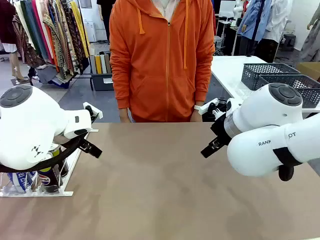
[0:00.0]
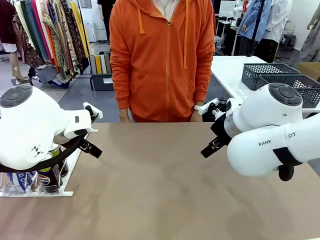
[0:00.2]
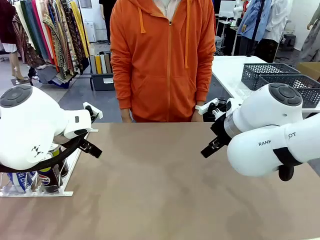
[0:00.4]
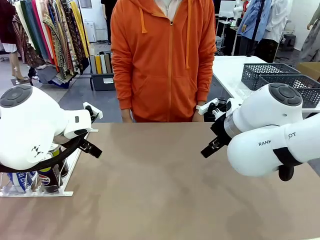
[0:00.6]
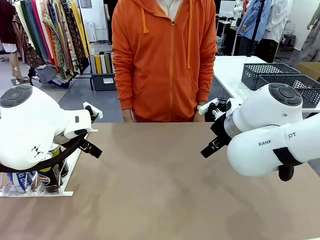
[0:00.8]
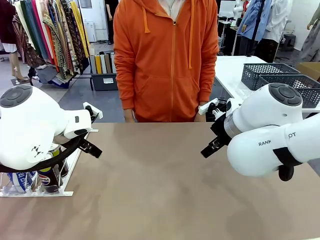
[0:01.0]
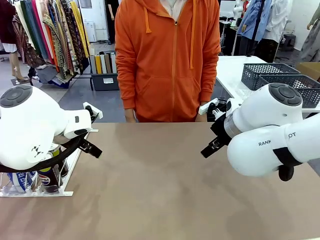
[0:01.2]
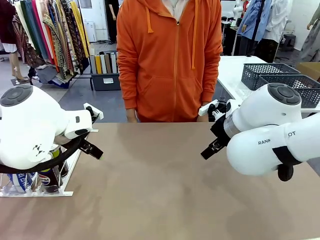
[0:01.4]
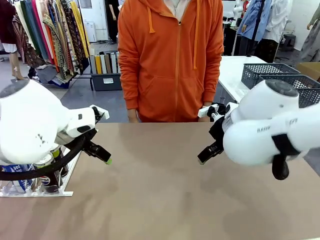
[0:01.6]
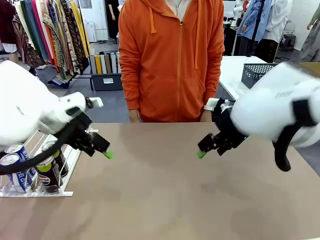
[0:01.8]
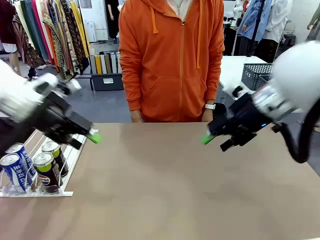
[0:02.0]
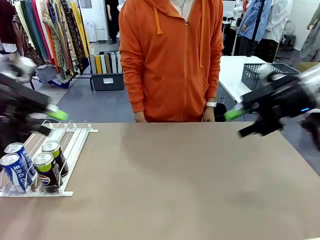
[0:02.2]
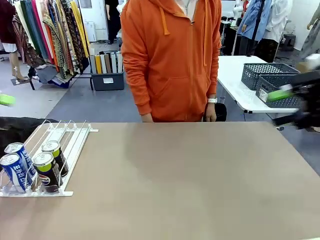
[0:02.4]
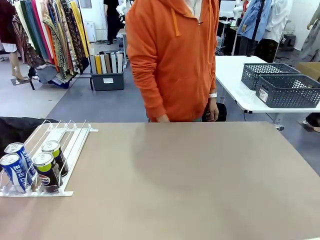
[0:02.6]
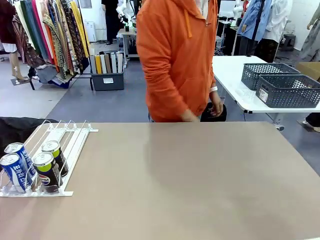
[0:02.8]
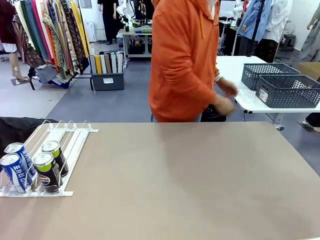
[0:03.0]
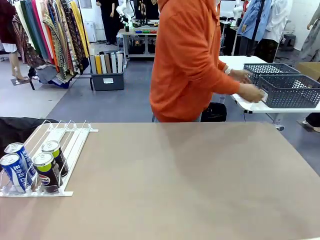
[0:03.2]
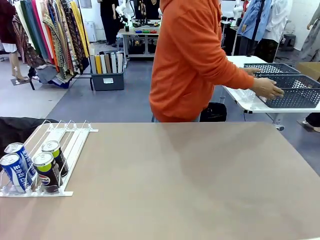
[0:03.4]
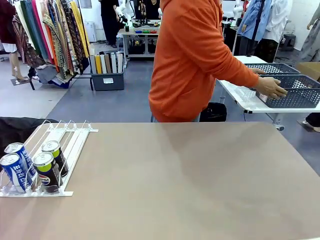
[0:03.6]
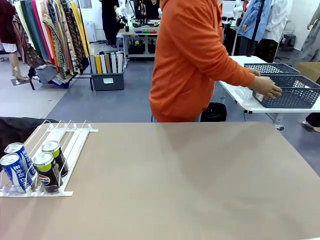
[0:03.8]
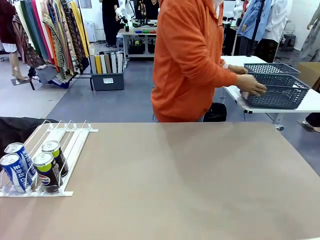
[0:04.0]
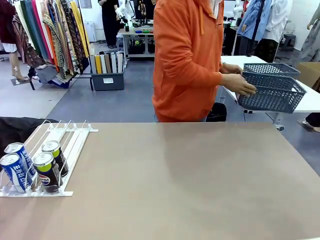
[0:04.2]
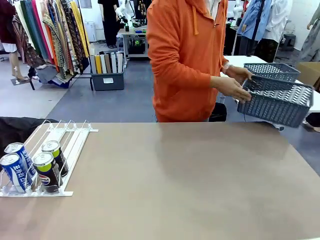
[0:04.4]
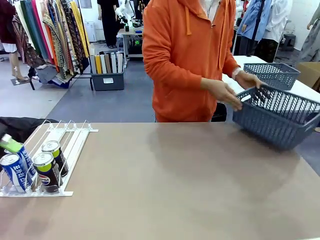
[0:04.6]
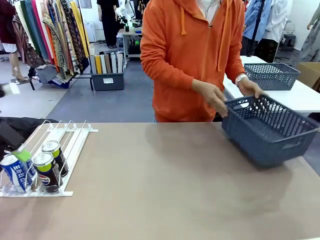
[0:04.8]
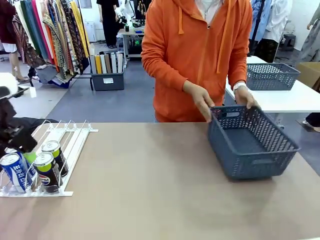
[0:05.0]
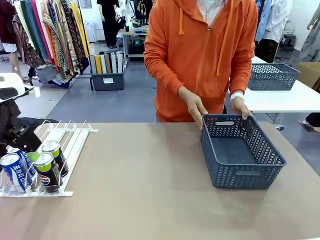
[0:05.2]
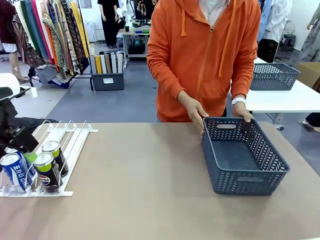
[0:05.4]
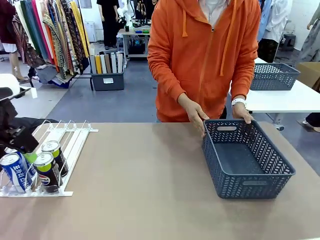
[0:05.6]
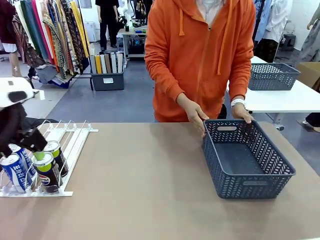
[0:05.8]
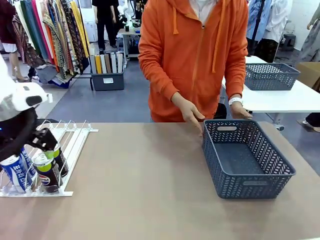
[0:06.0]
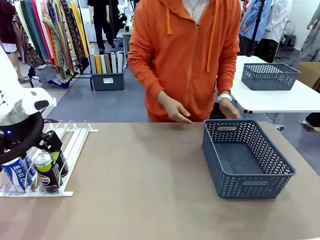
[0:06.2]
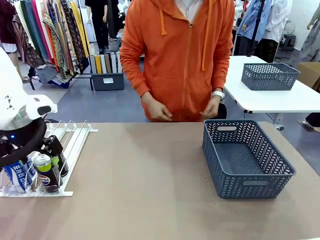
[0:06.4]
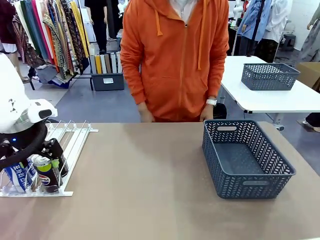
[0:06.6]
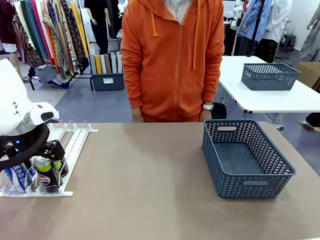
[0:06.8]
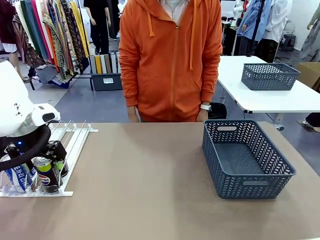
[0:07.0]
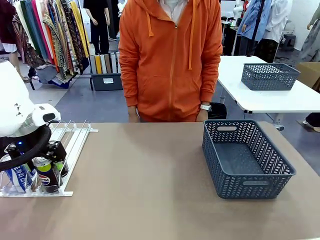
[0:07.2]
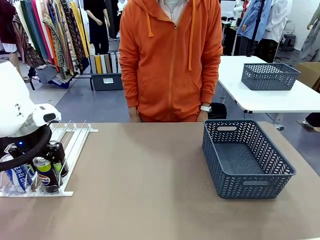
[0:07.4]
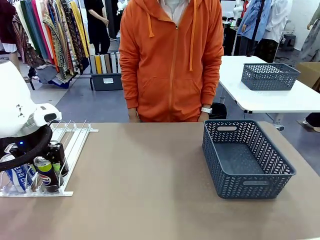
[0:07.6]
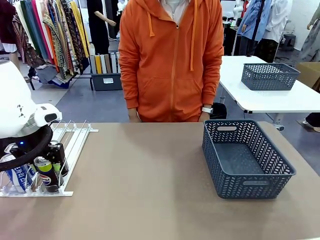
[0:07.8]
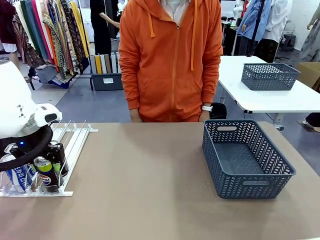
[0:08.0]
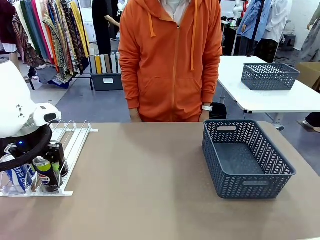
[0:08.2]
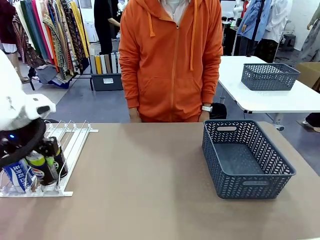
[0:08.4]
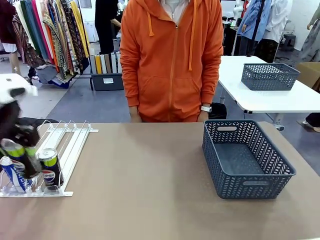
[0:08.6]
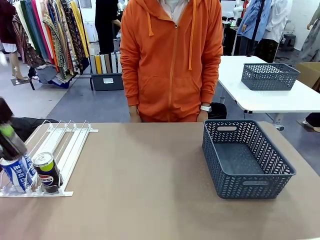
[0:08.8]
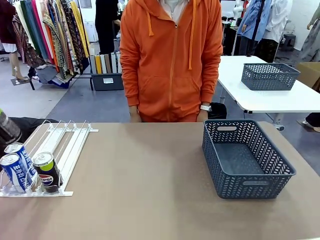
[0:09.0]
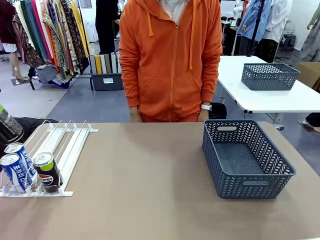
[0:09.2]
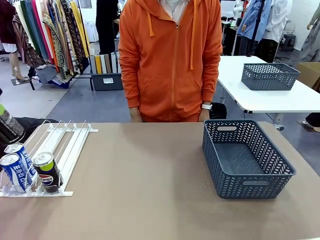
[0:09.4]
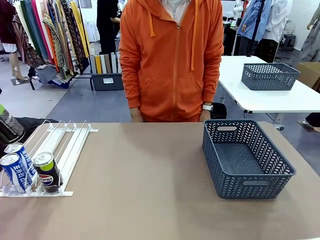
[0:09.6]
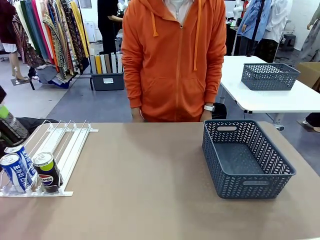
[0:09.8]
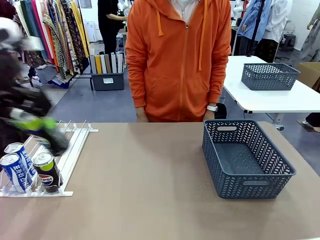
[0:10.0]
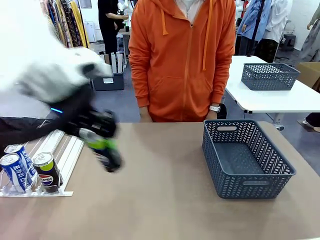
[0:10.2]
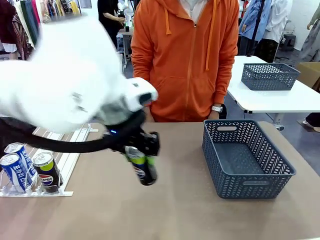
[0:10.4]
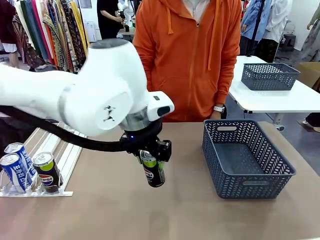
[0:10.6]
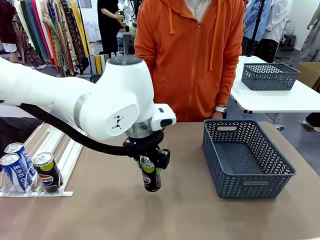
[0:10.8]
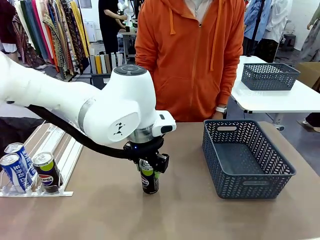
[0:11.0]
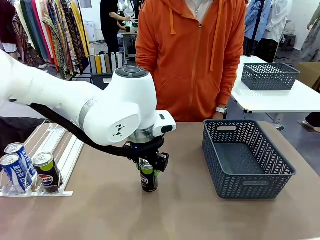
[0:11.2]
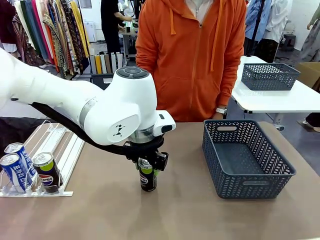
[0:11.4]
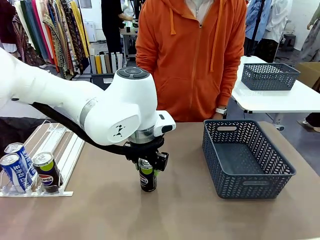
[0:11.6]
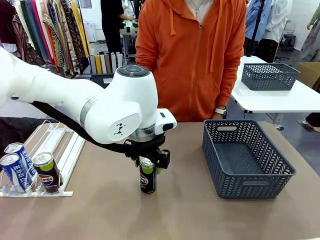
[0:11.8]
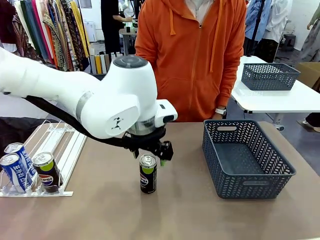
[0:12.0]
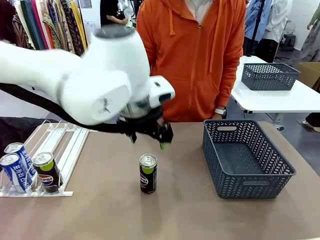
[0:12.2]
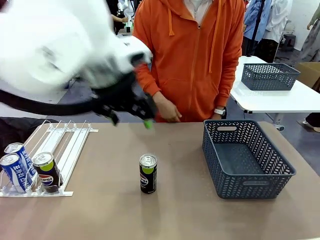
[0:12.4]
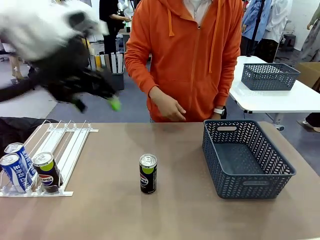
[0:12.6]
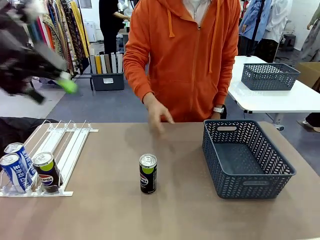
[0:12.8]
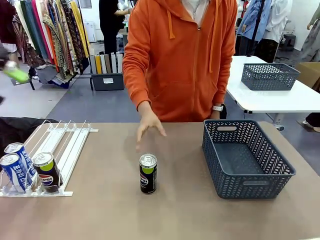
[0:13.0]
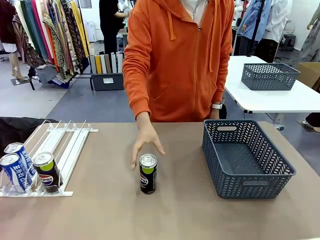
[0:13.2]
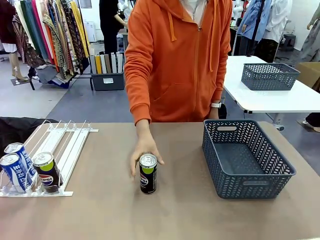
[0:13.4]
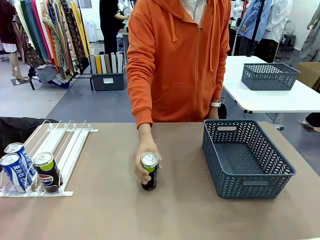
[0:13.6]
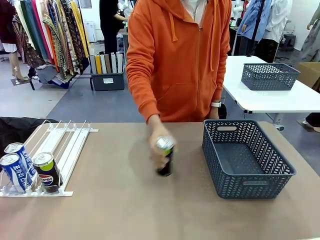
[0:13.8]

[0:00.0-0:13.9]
Task: Retrieve and store the cans from the dispenser.
Robot: Pick up one can from the Automatic Can Dispenser and place it in the middle of the table.
Person: Pick up the basket and place it on the left side of the robot table.

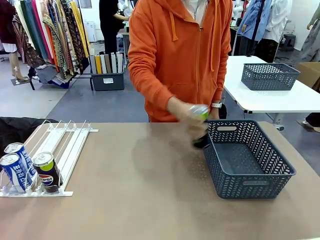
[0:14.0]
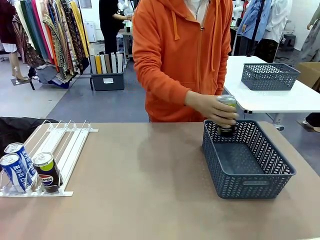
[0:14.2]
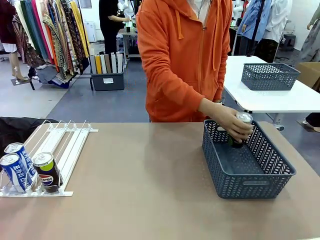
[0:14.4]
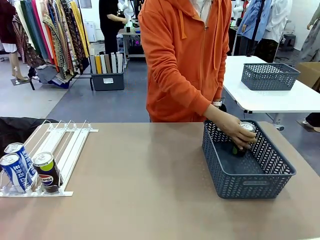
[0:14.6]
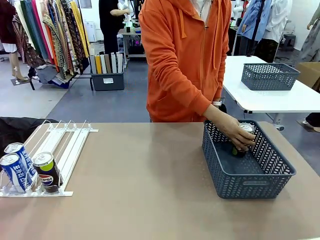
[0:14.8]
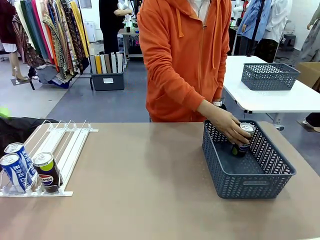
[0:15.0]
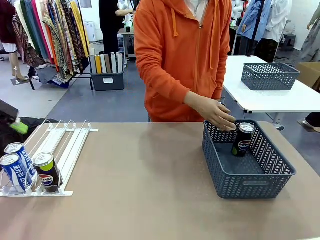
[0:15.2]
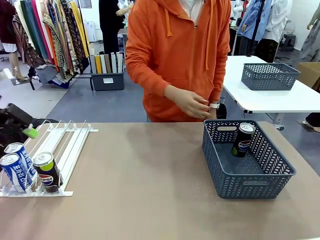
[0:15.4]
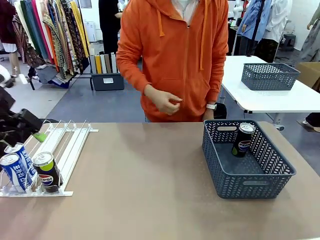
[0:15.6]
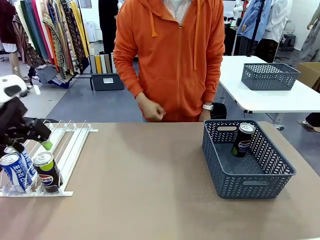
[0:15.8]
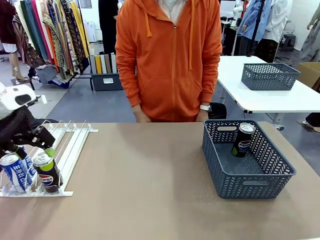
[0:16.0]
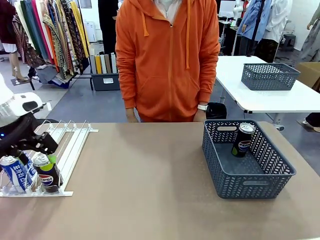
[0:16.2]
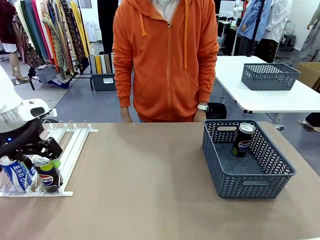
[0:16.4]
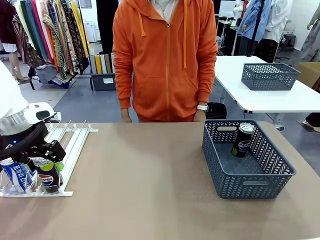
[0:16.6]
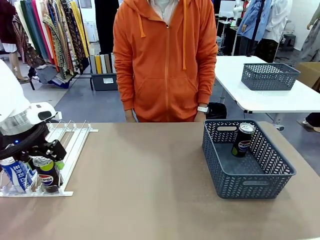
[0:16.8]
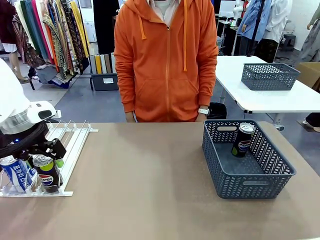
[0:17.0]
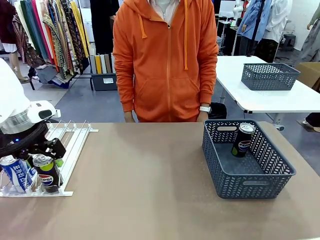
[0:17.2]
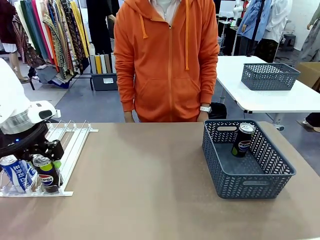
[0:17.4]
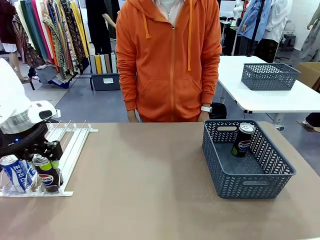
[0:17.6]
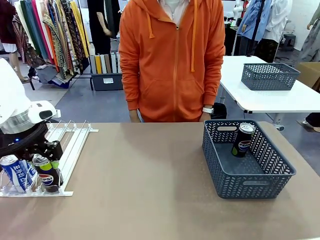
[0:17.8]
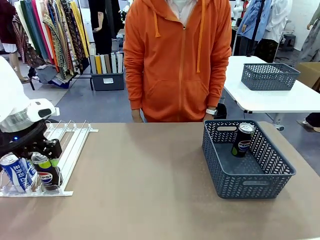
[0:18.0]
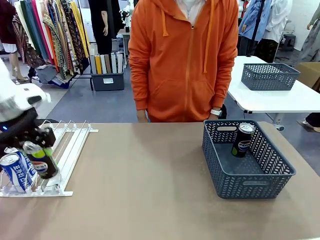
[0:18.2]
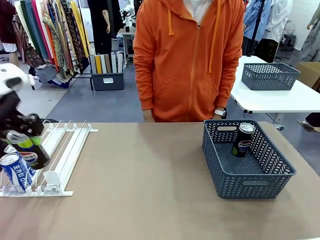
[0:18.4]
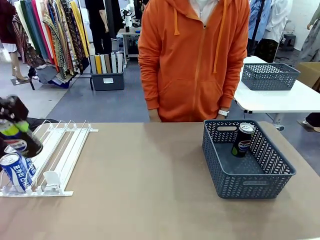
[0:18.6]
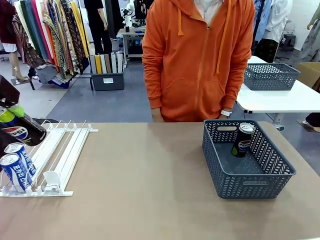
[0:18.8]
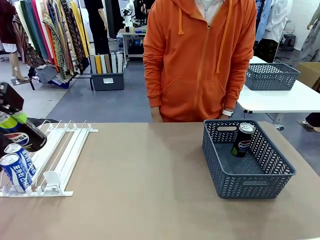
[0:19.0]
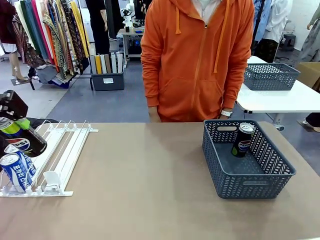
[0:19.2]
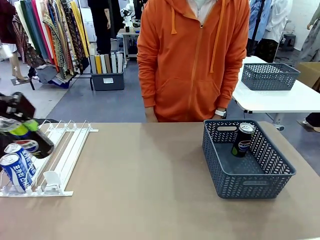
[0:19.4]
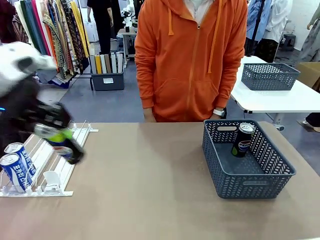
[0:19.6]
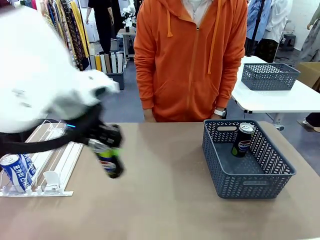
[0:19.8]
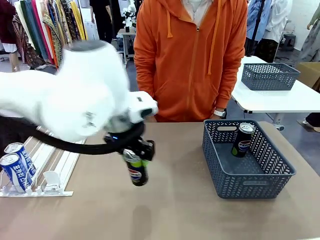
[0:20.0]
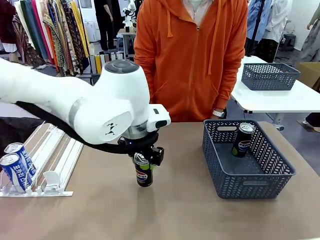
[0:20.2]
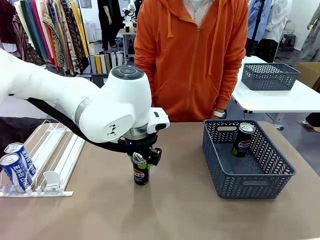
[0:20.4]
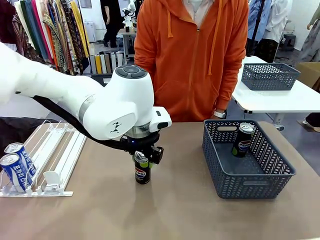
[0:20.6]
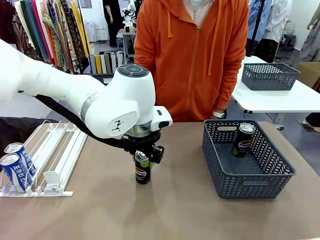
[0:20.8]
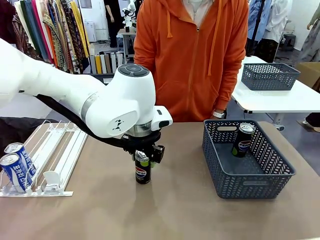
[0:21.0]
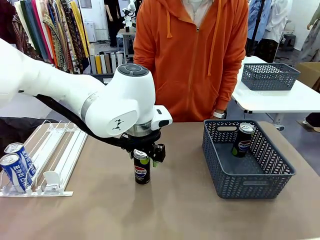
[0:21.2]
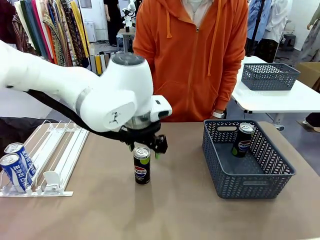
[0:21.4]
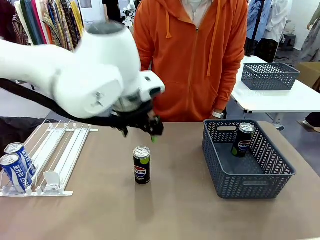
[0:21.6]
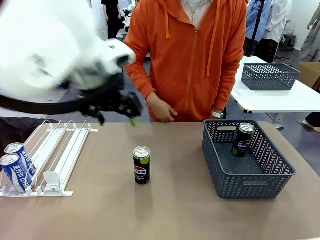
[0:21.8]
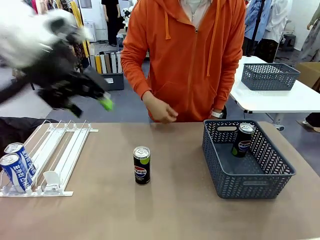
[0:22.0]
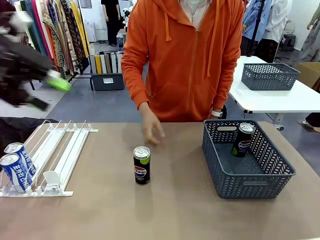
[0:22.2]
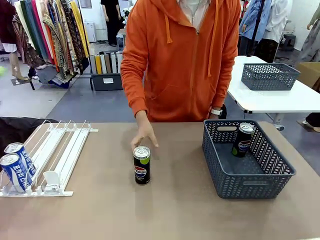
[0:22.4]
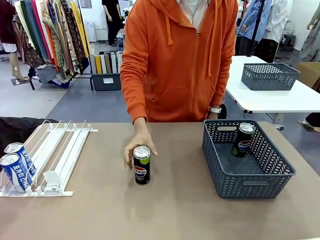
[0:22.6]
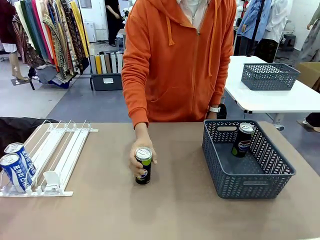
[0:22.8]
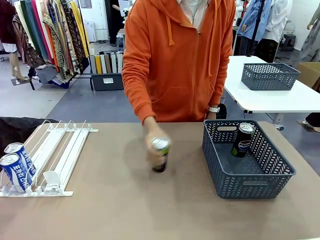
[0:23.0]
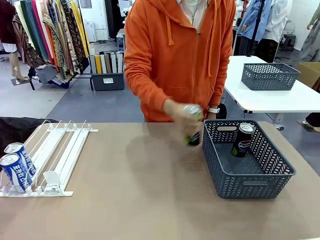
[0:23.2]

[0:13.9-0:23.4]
Robot: Pick up the last remaining can from one row of the Automatic Can Dispenser and place it in the middle of the table.
Person: Pick up one Pepsi can from the middle of the robot table and place it in the basket.
